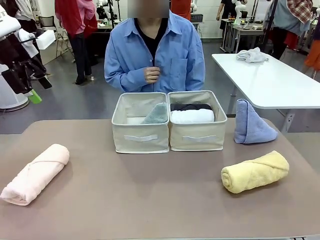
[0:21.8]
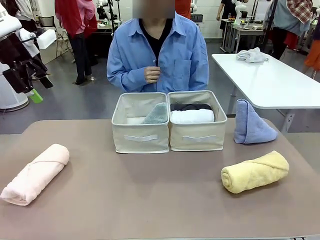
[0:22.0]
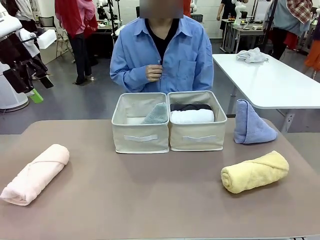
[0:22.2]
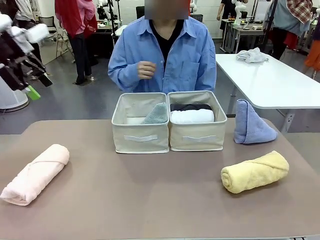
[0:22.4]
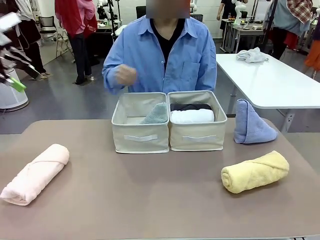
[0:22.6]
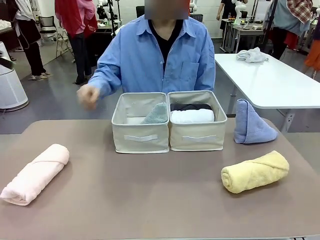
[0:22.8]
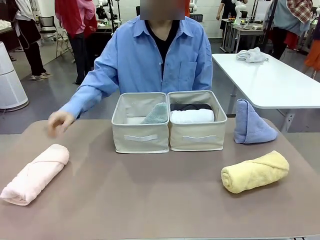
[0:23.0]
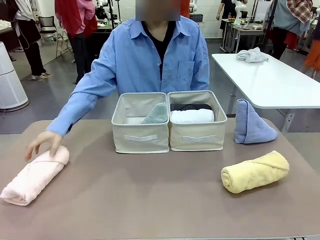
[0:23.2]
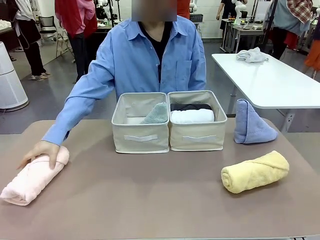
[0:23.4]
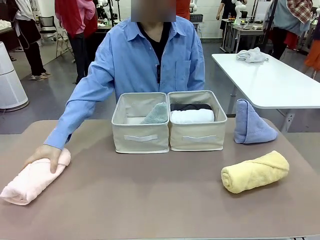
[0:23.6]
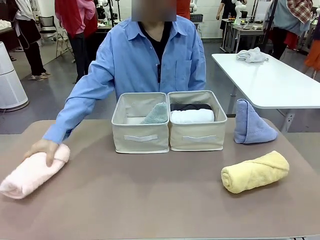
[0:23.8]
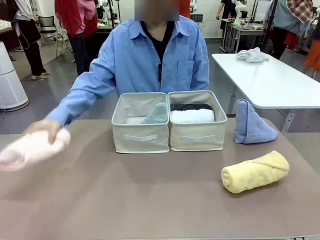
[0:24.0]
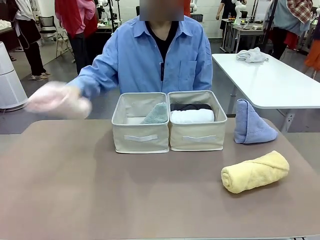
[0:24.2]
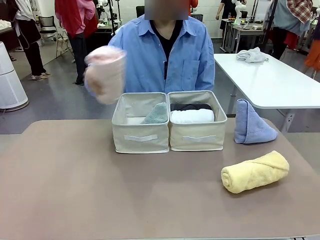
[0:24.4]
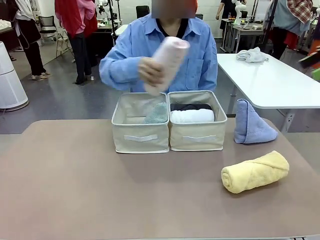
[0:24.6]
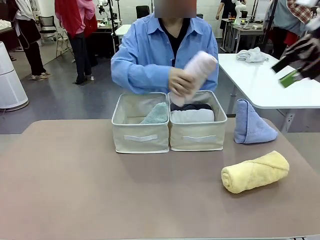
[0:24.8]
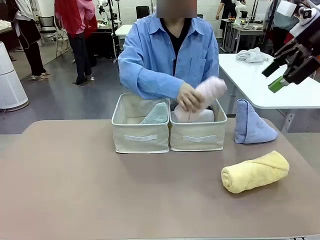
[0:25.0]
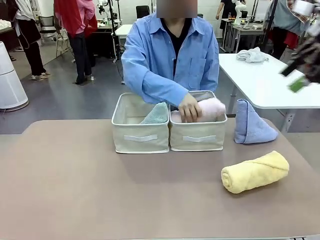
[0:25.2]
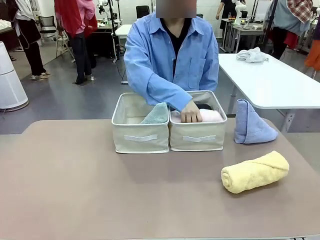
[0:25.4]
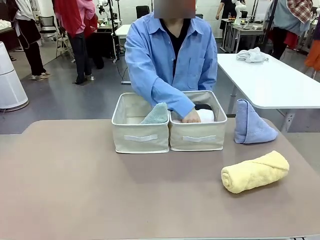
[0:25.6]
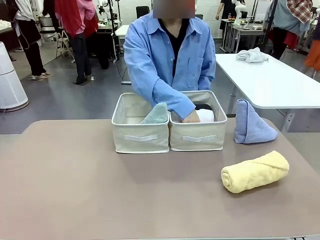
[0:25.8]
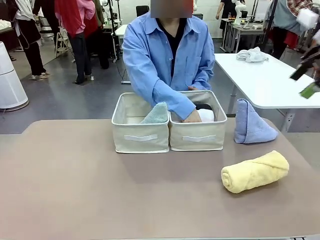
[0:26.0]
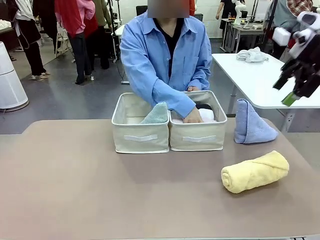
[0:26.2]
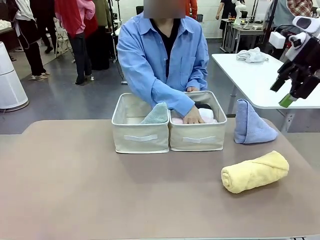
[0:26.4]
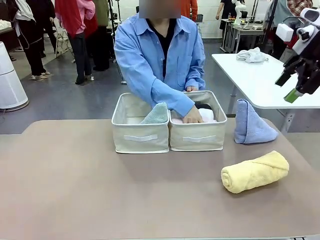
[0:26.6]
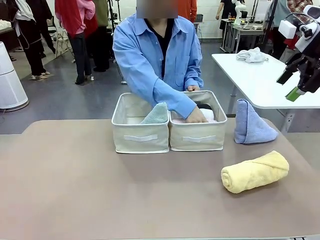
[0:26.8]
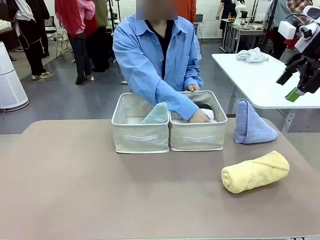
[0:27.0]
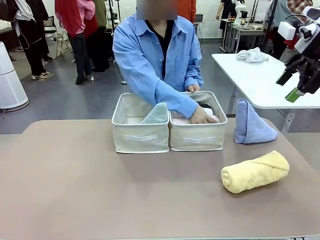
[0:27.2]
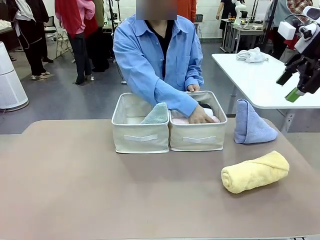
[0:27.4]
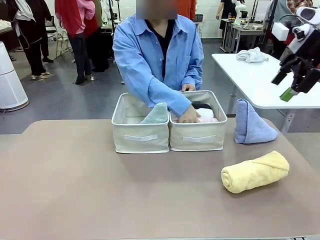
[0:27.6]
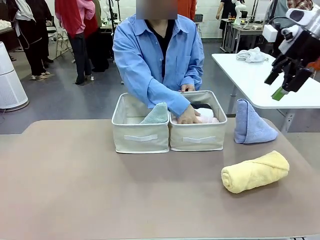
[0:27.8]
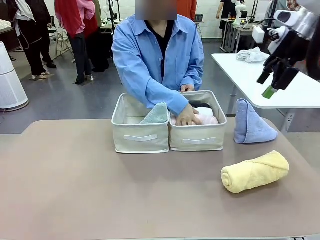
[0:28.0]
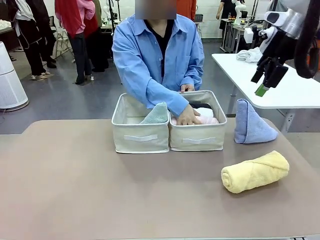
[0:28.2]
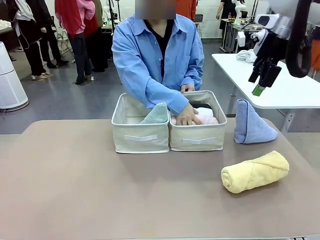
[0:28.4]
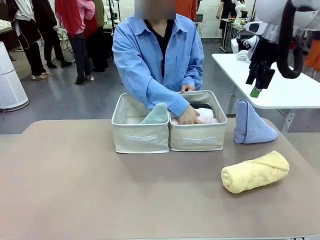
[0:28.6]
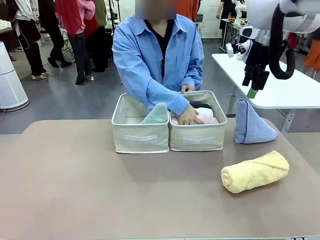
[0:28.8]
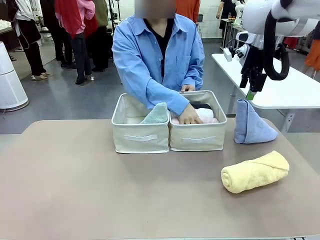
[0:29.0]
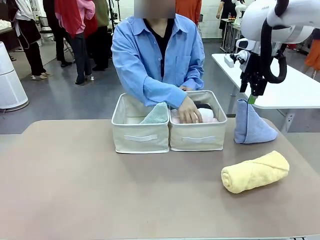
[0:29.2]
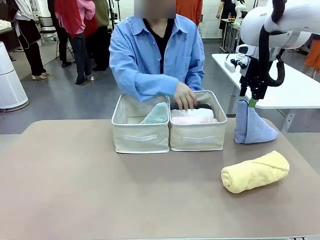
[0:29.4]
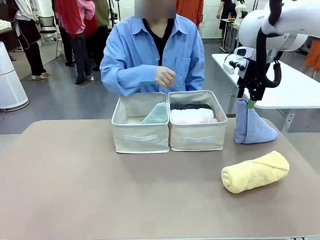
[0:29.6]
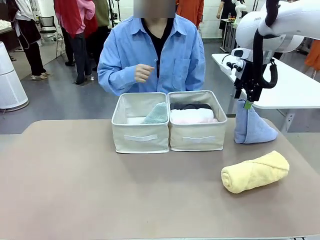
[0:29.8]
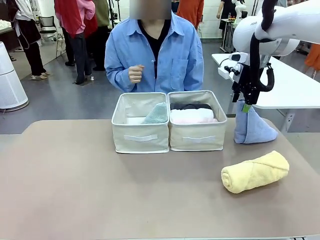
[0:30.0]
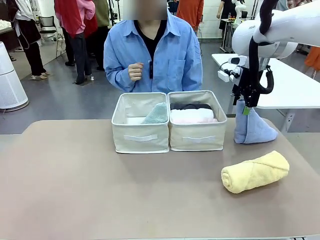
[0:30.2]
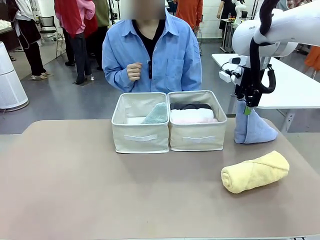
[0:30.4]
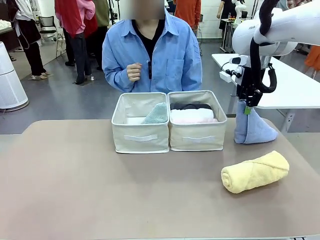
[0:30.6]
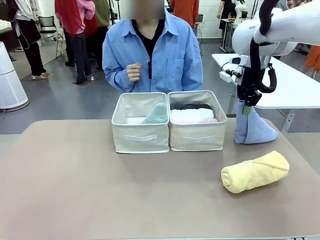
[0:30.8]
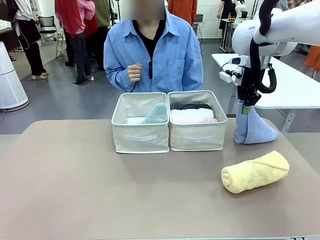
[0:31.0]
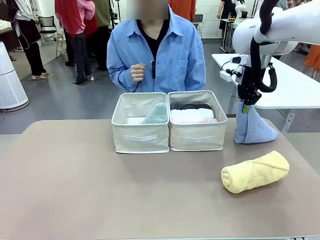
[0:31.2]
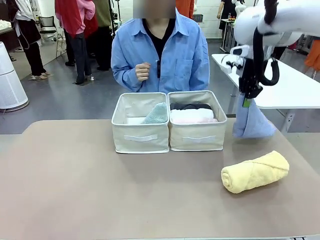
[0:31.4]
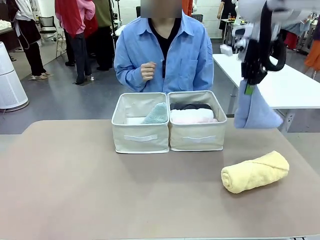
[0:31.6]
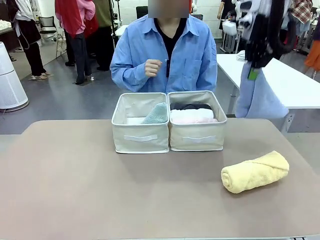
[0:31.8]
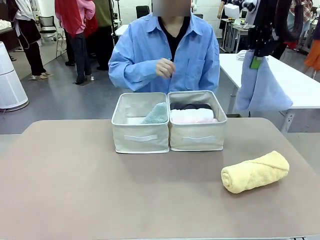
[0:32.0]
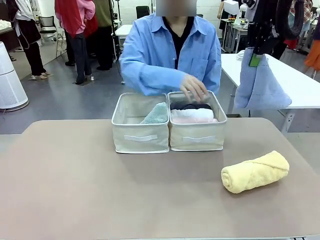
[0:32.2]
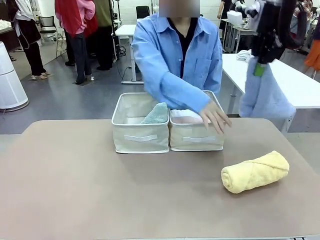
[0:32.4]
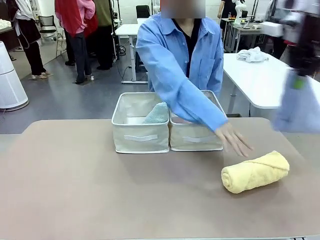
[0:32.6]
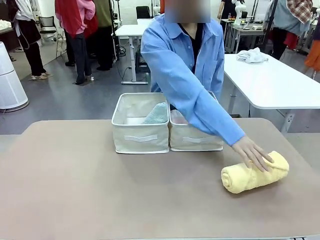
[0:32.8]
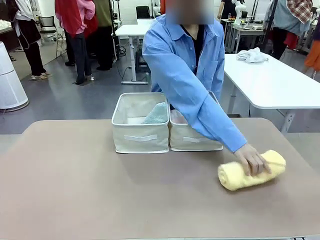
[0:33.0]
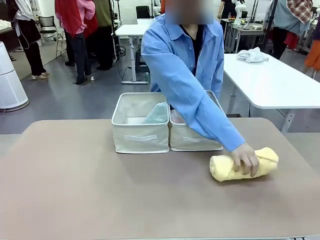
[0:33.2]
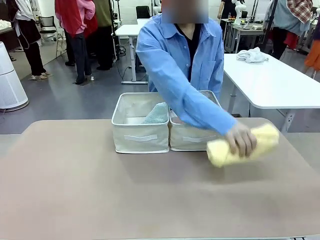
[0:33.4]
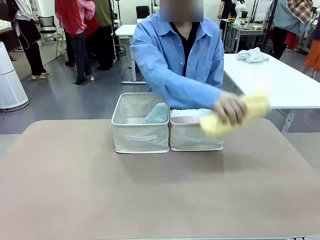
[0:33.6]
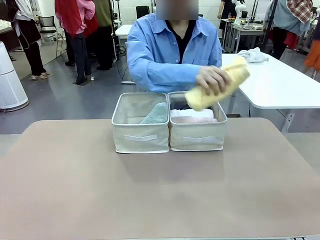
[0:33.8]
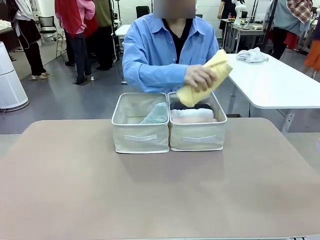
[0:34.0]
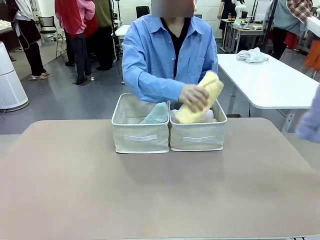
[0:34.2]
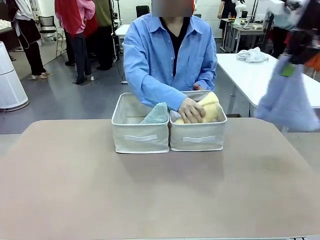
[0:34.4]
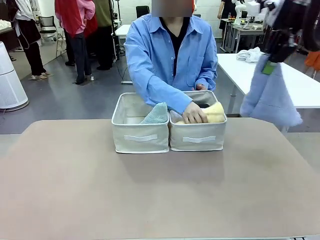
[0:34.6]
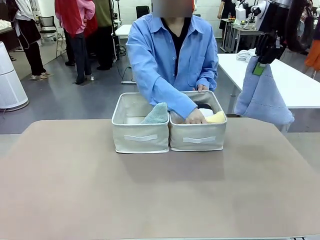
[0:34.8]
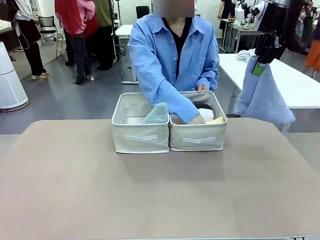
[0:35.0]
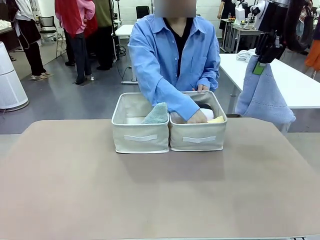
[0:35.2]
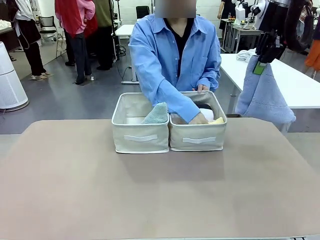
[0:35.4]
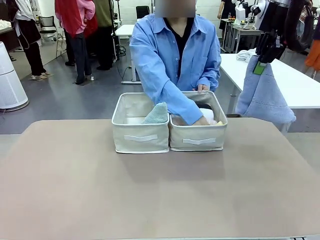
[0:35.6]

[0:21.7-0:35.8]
Task: Sort the towels based on their folding style.
Robot: Pick up another triangle-folded towel from the table and place it in the left Fabric basket.
